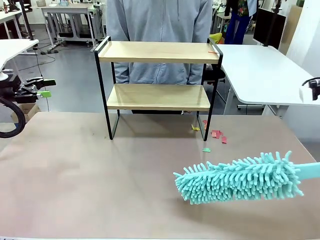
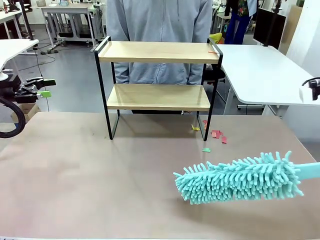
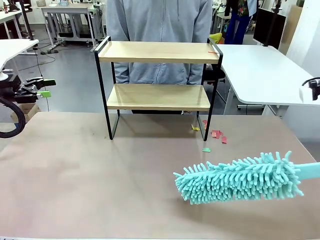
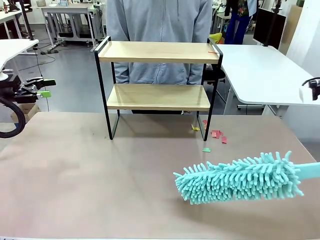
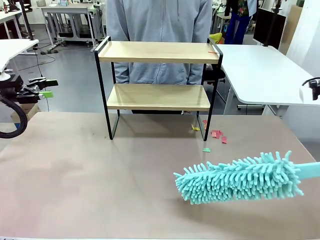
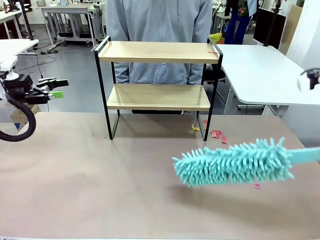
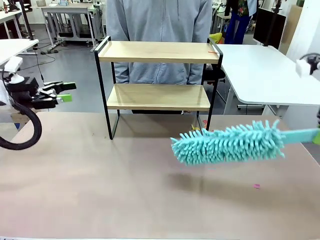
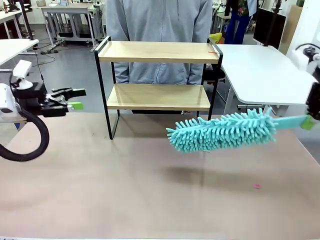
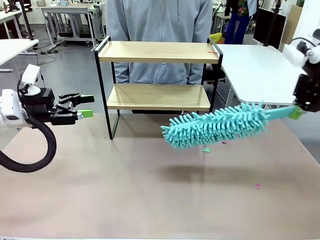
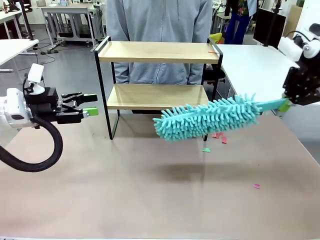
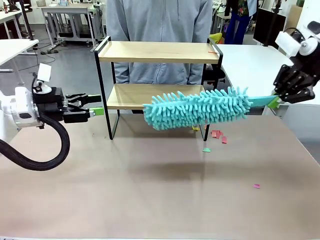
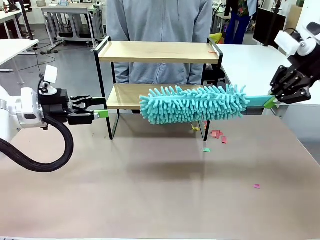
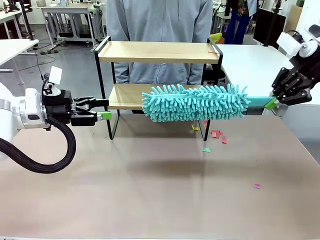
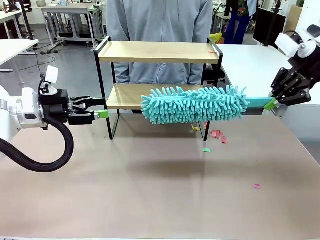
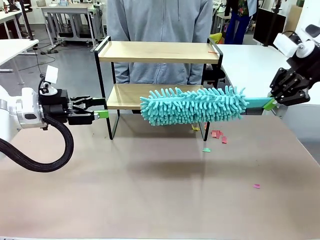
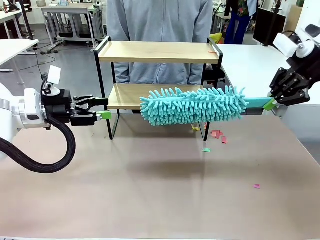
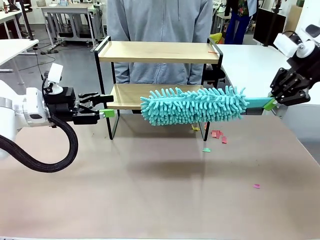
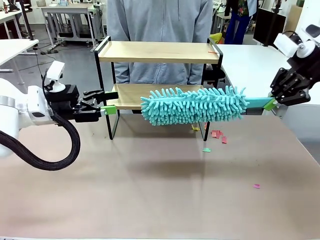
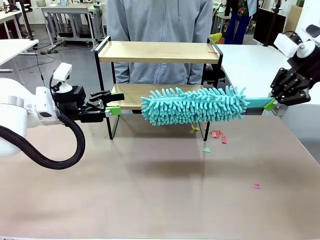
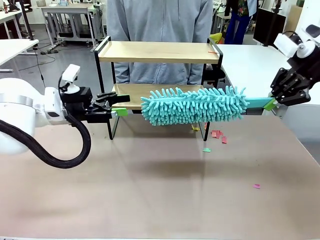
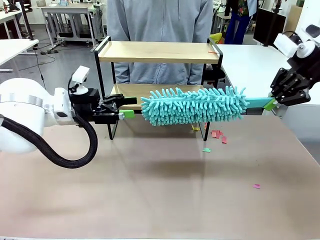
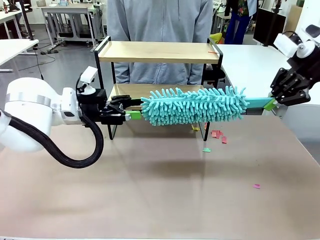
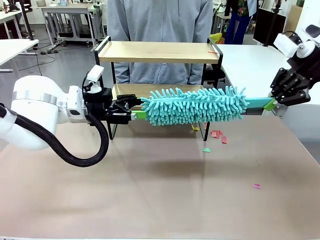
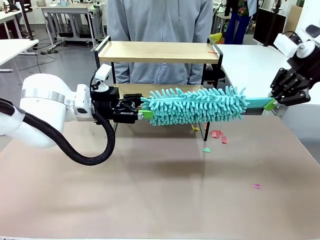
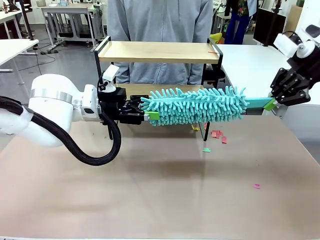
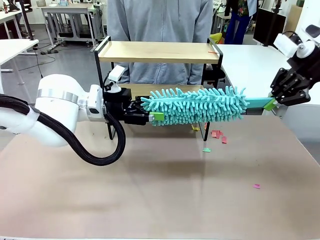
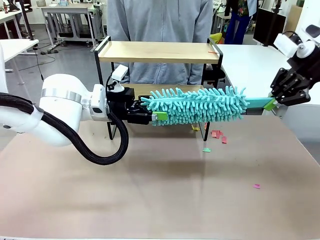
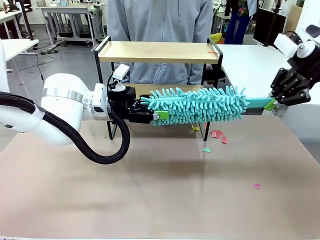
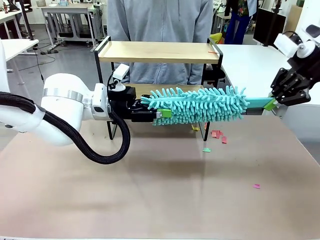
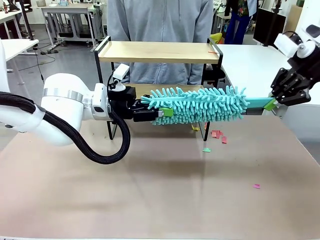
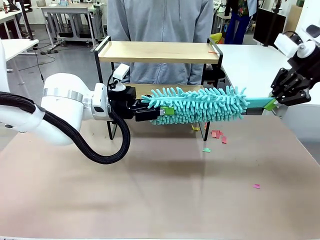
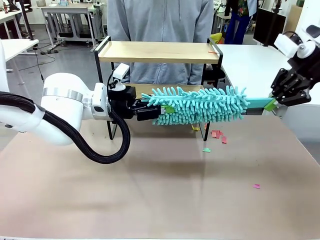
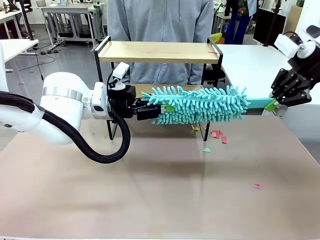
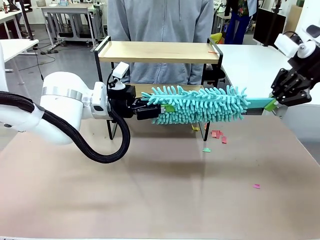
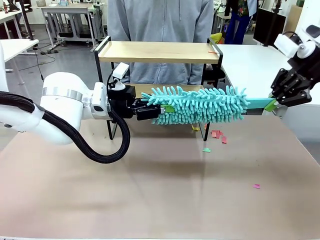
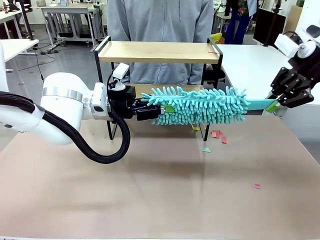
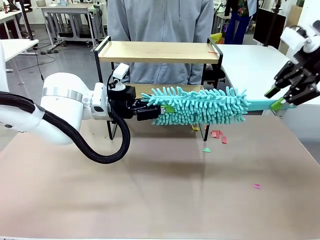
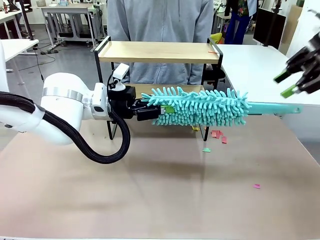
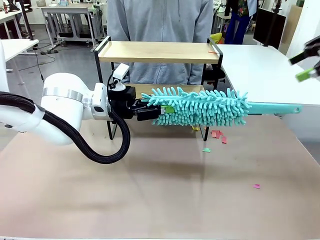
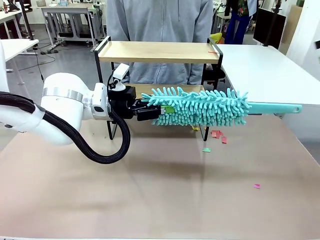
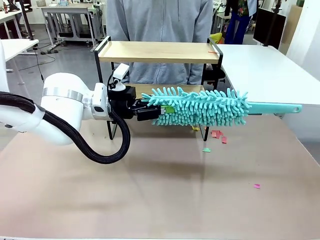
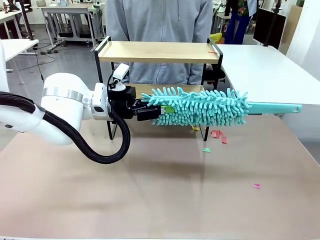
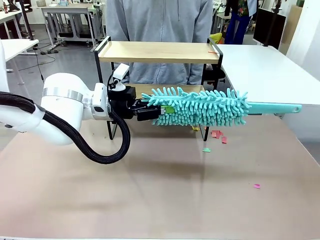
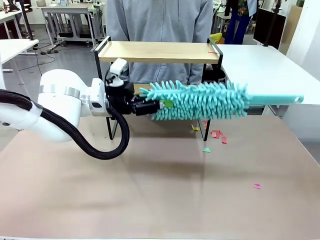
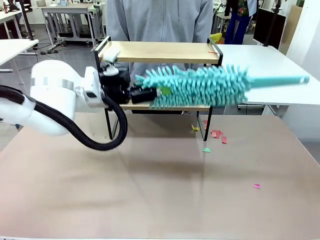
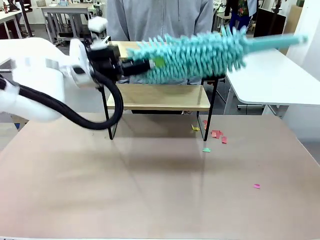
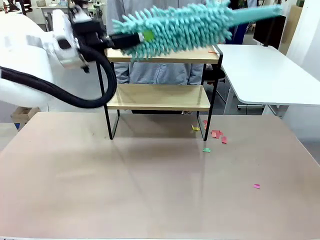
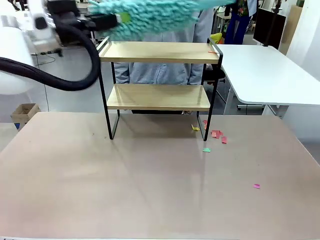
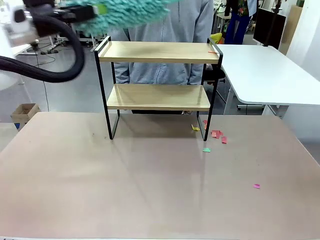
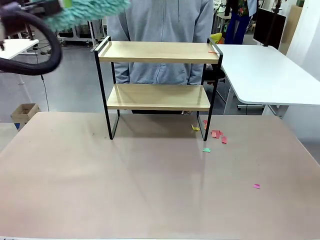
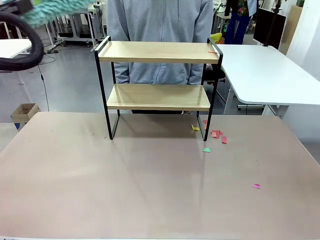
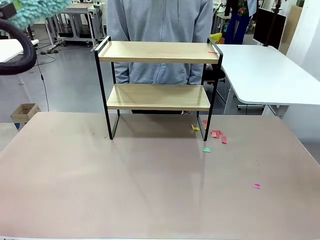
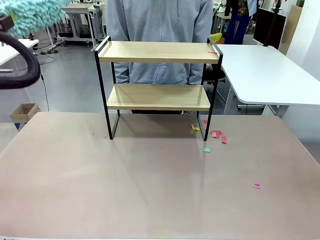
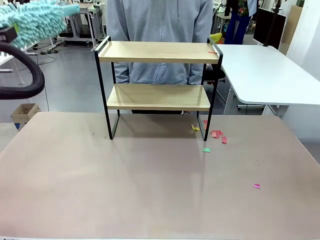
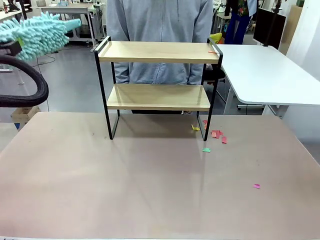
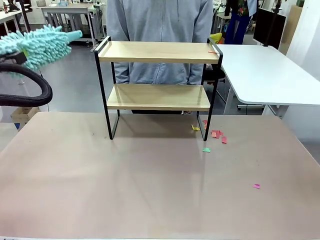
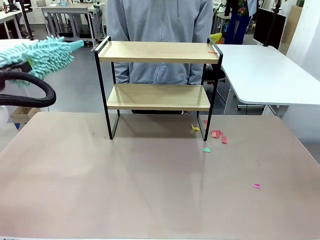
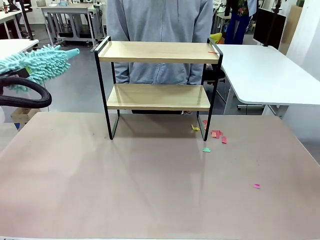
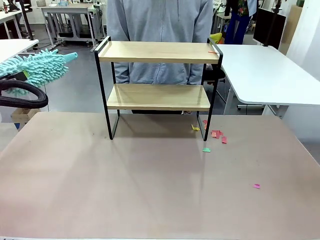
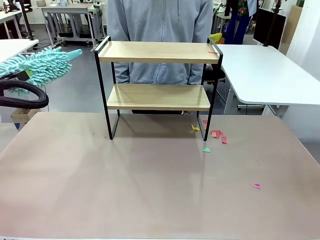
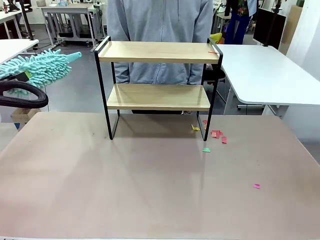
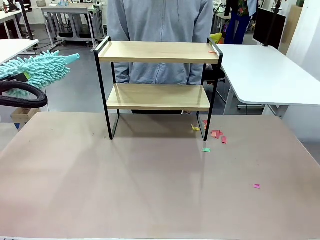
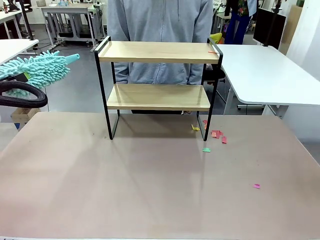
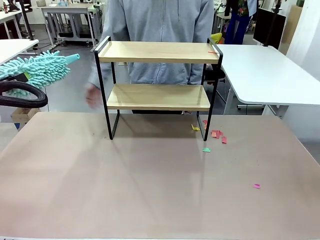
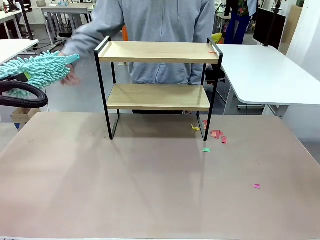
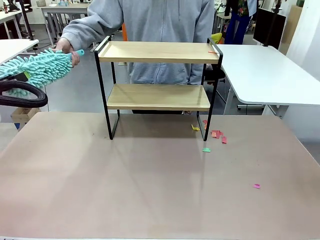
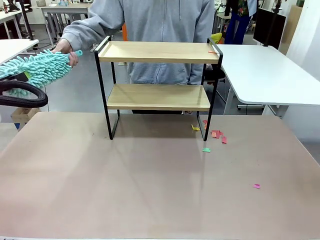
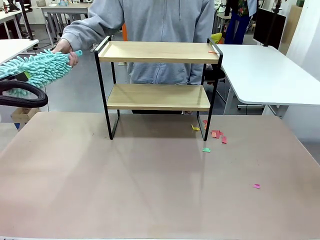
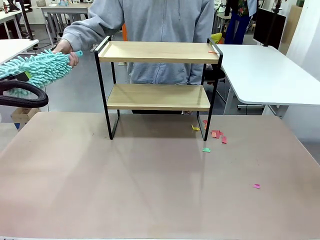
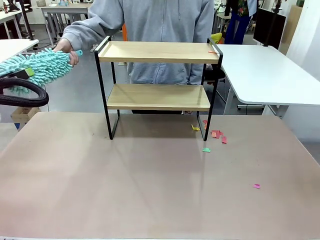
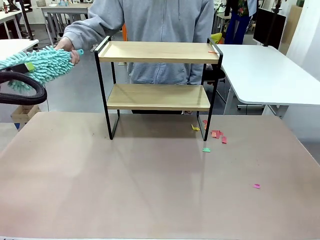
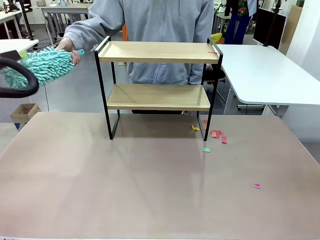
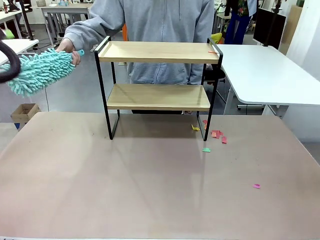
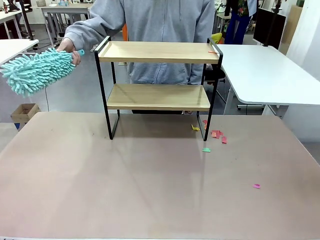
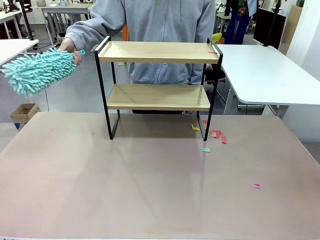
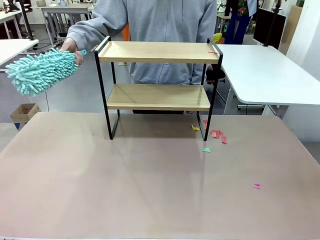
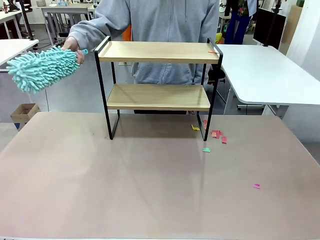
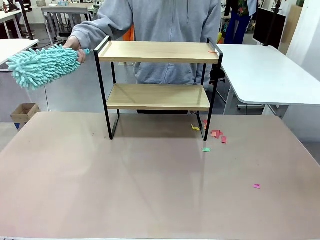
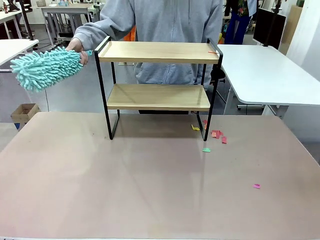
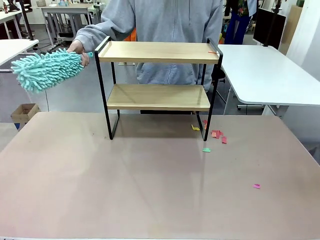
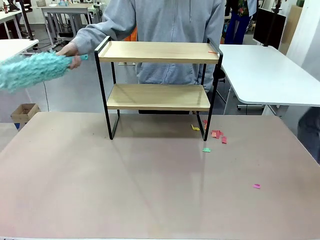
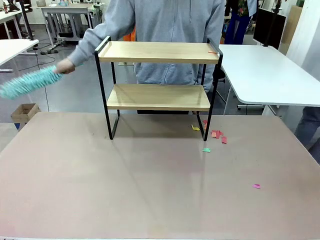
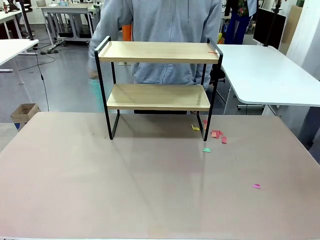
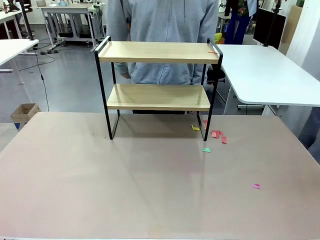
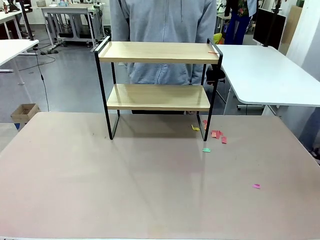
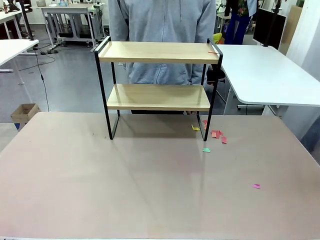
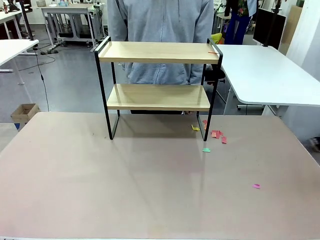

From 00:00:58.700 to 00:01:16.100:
Task: Clean the shelf.
Robot: Hand the Duster back to the human.
Person: Receive the Duster from the robot.

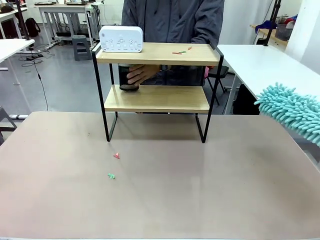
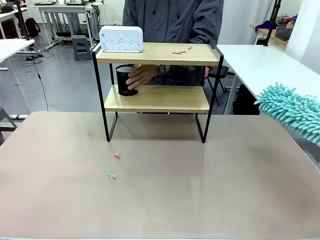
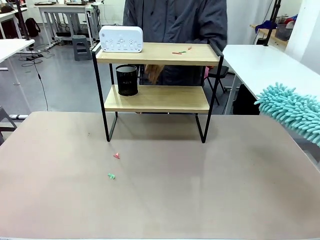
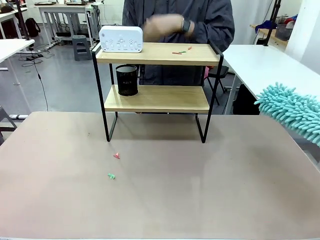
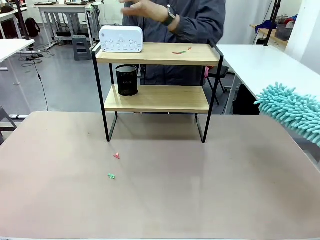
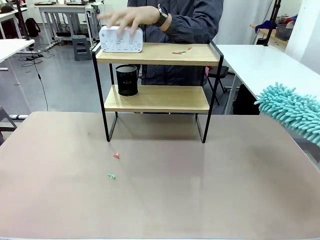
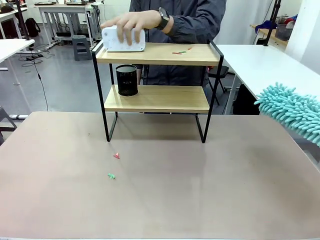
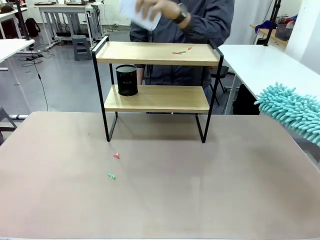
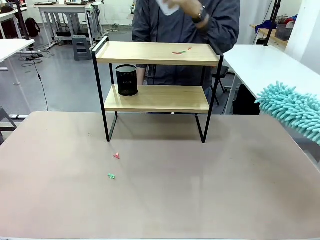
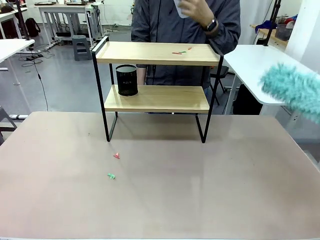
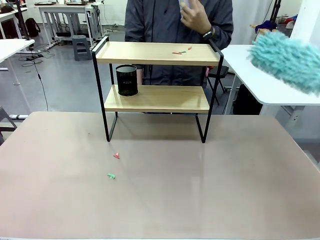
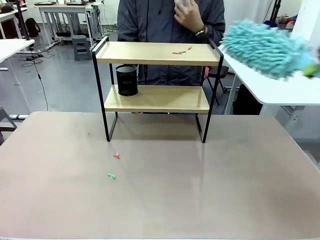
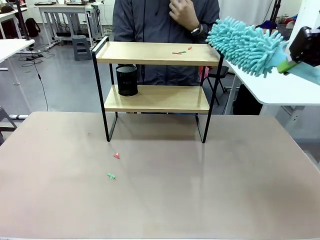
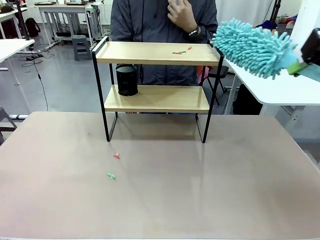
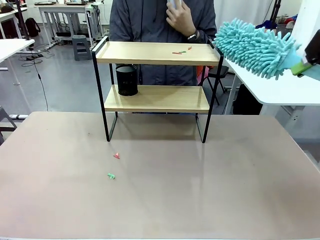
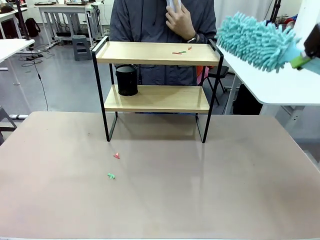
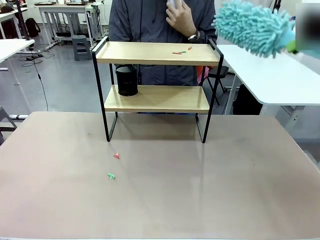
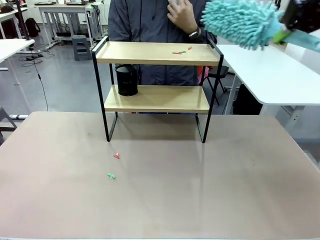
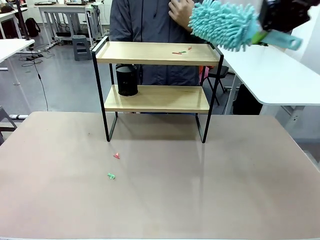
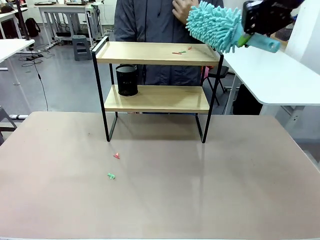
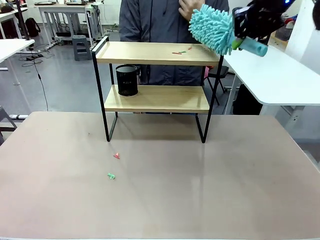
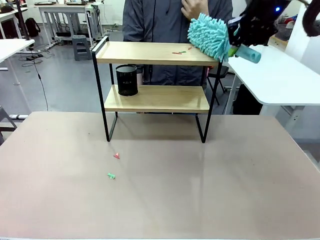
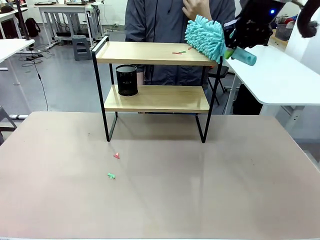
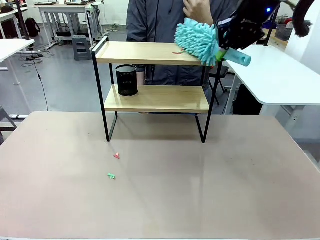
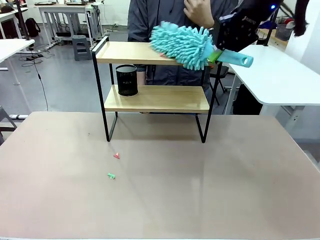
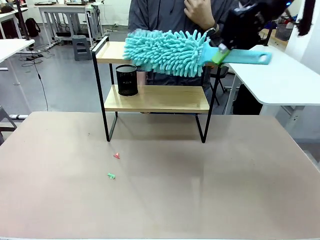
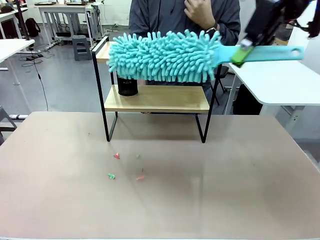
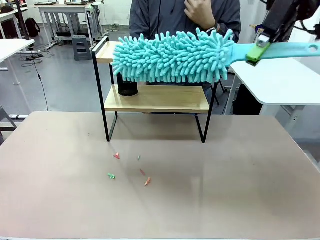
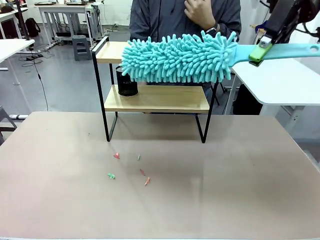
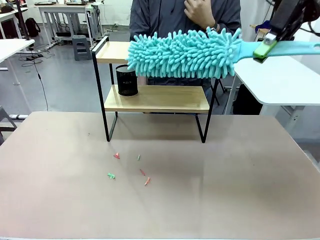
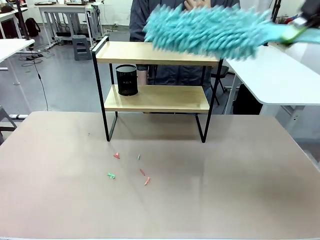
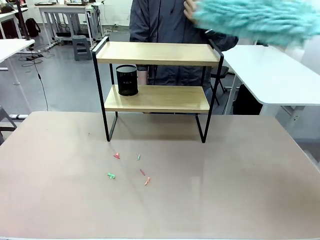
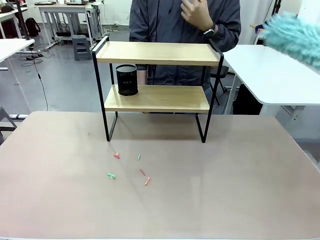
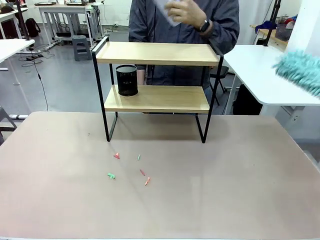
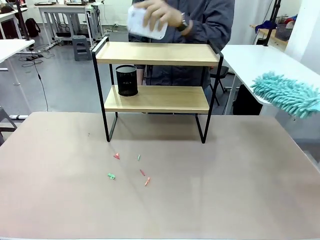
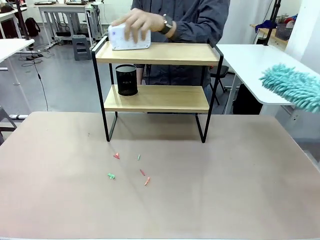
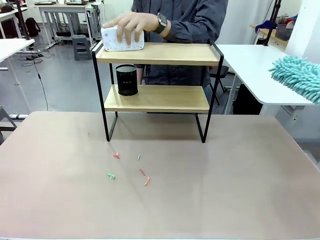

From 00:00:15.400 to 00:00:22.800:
Task: Clean the shelf.
Robot: Clean the remaining tier of the Shelf with the Duster once objects are removed.
